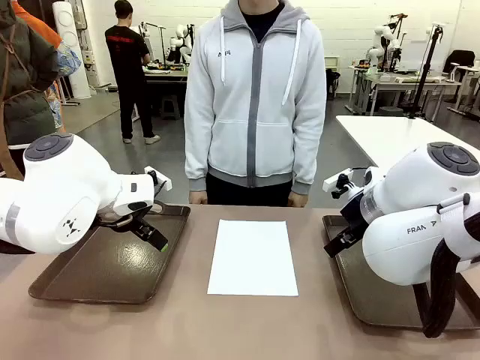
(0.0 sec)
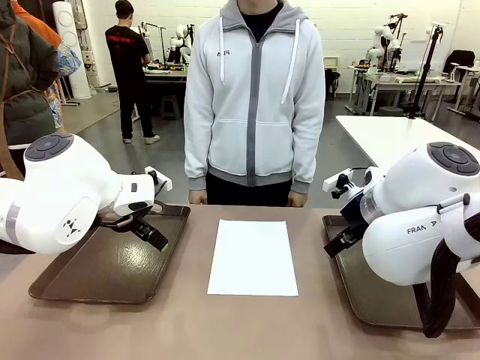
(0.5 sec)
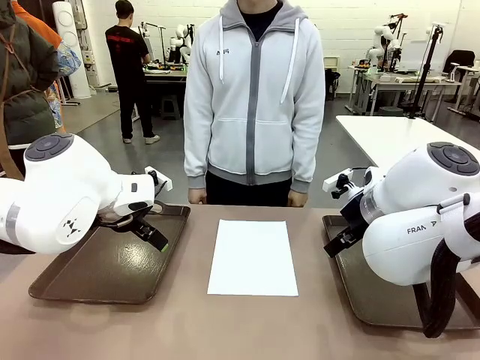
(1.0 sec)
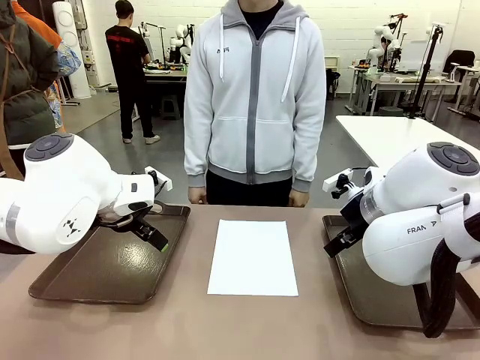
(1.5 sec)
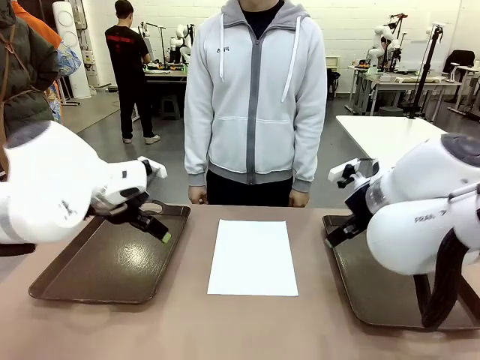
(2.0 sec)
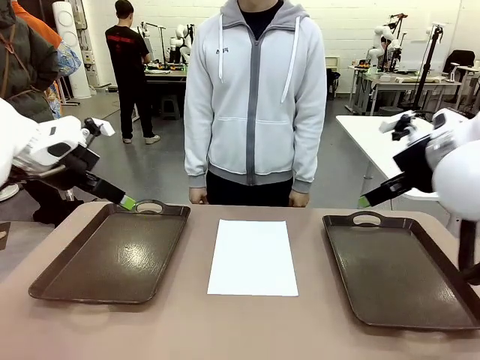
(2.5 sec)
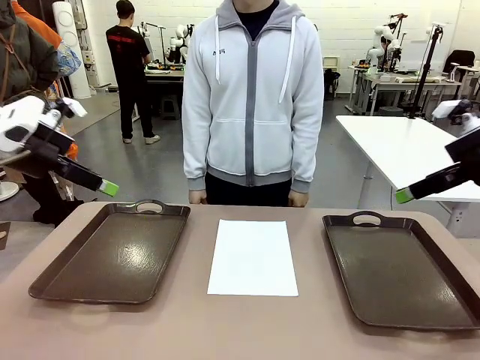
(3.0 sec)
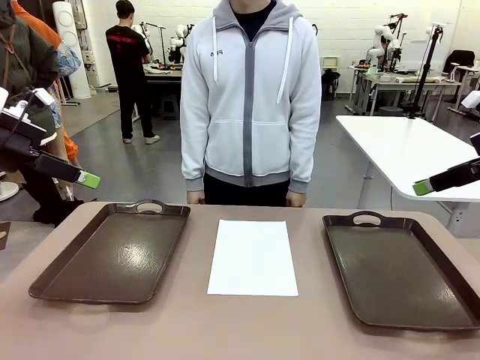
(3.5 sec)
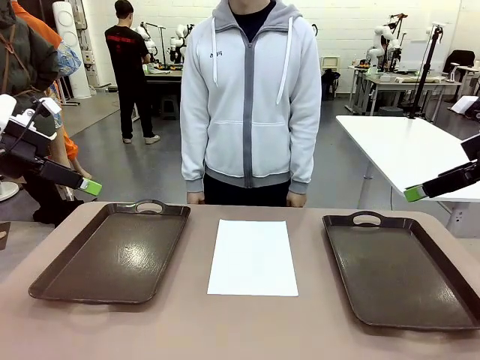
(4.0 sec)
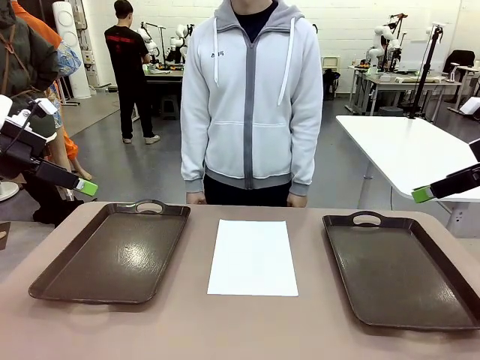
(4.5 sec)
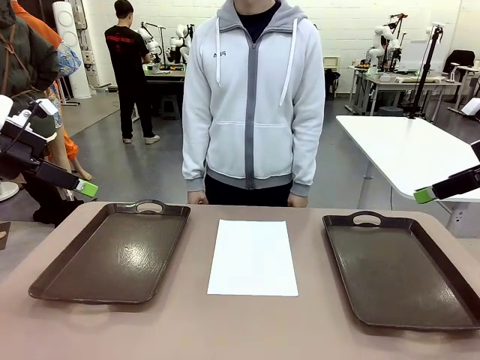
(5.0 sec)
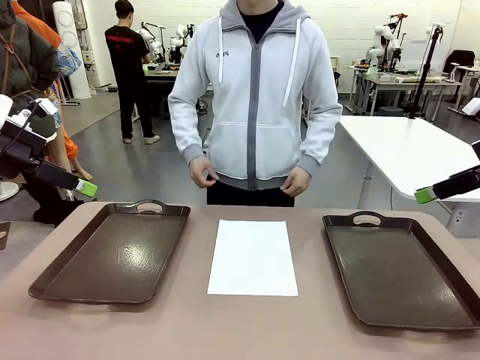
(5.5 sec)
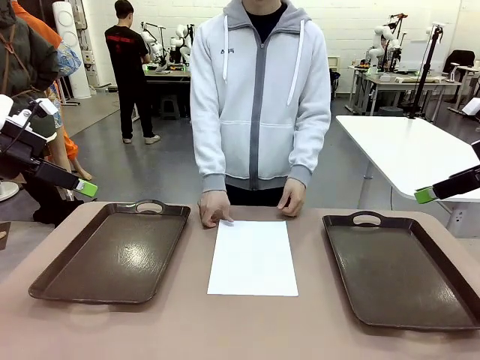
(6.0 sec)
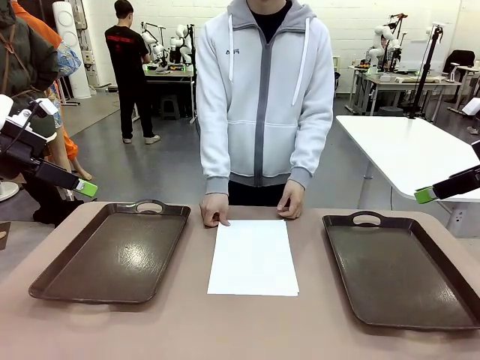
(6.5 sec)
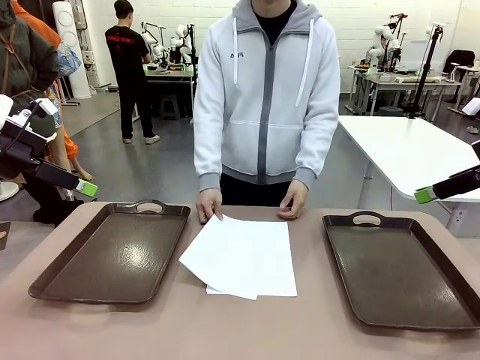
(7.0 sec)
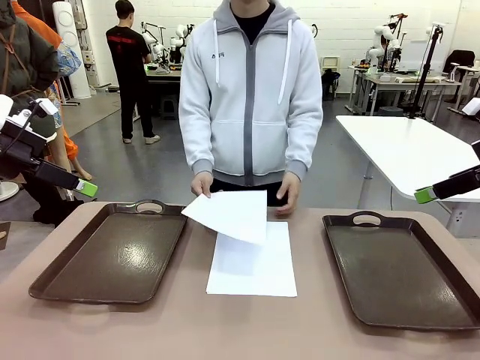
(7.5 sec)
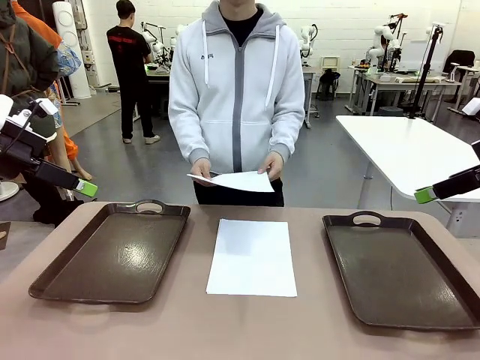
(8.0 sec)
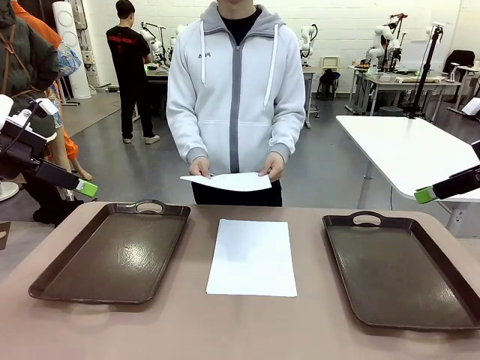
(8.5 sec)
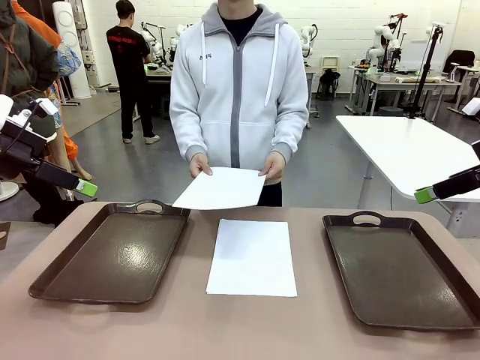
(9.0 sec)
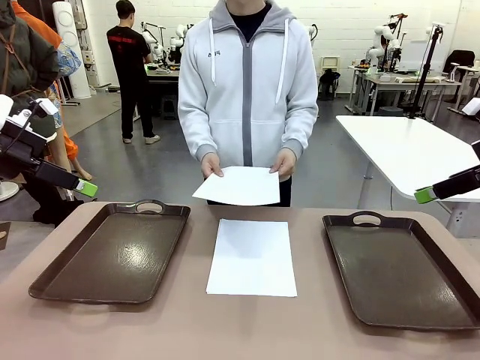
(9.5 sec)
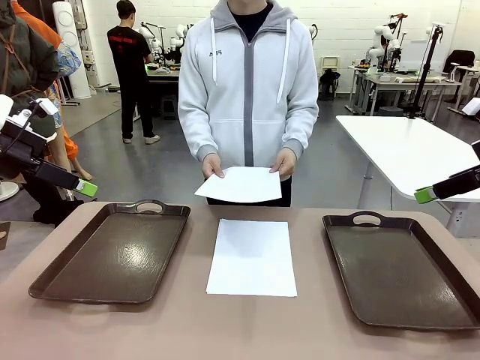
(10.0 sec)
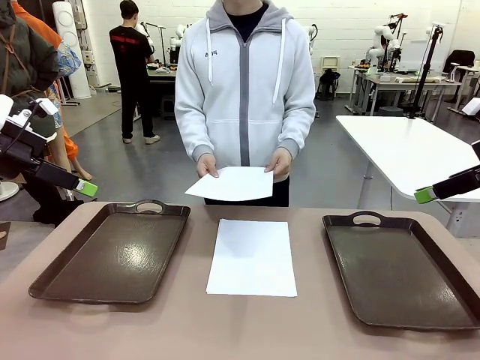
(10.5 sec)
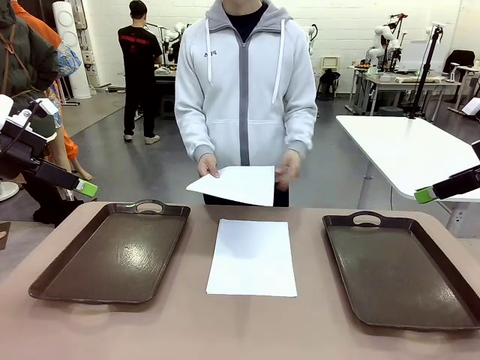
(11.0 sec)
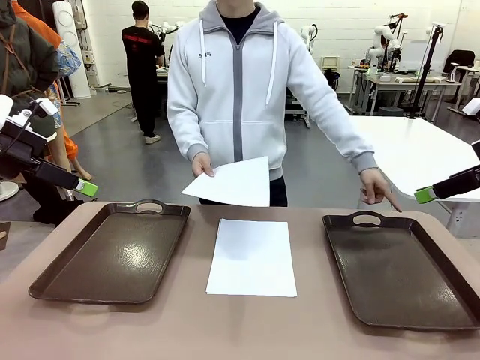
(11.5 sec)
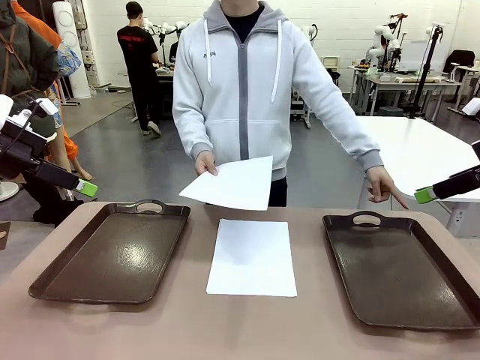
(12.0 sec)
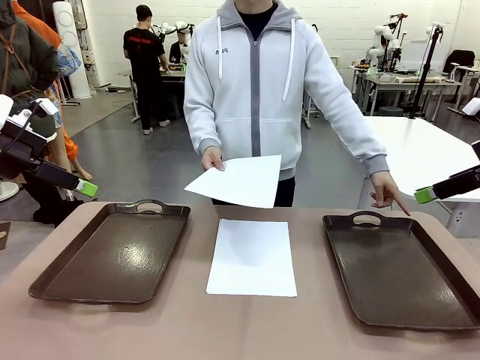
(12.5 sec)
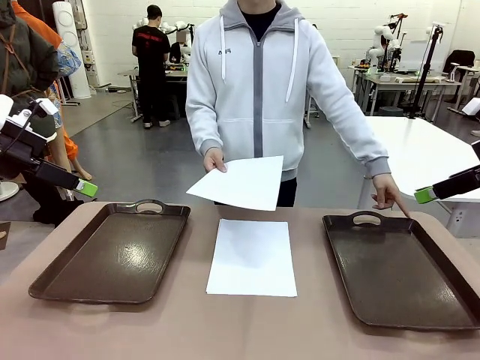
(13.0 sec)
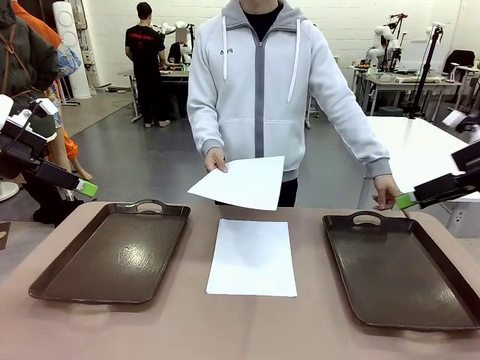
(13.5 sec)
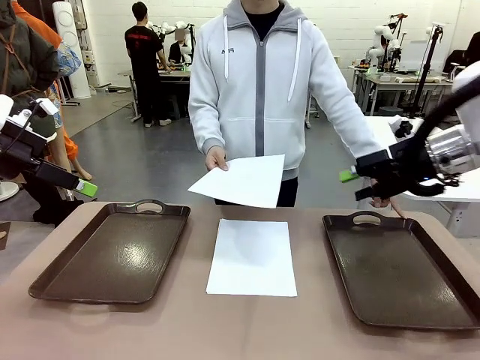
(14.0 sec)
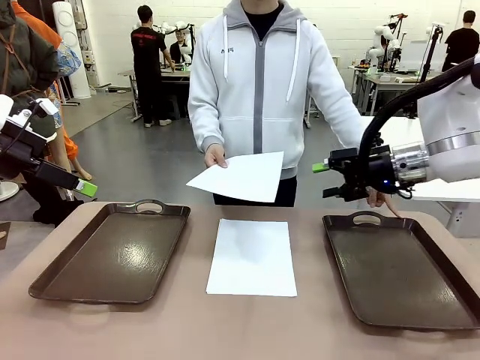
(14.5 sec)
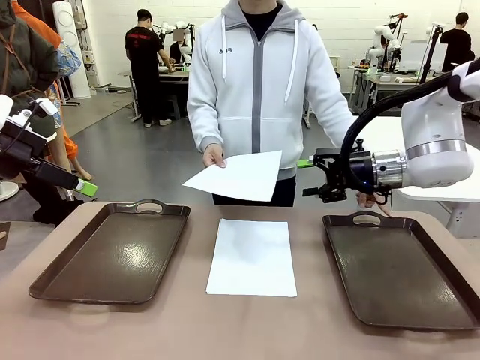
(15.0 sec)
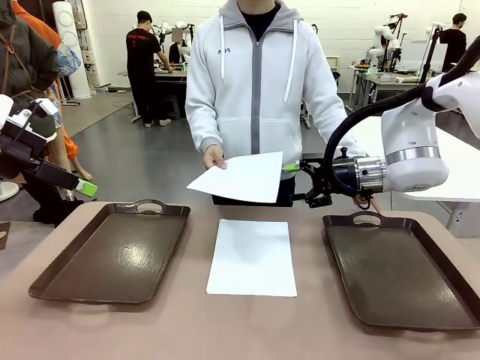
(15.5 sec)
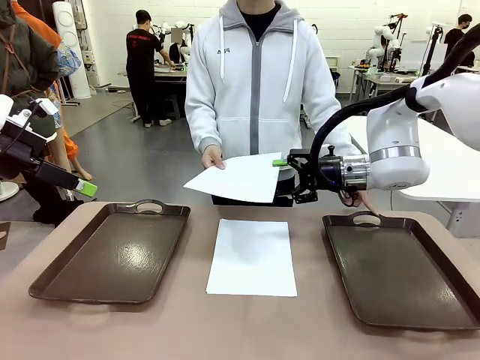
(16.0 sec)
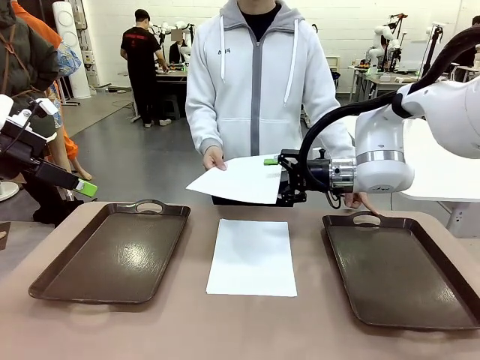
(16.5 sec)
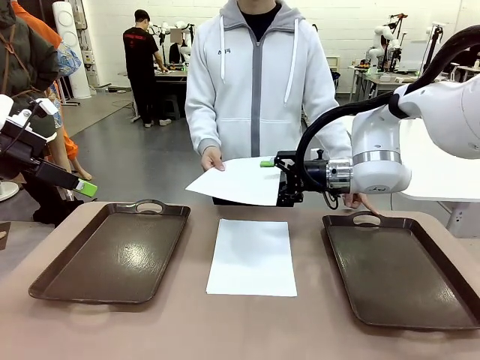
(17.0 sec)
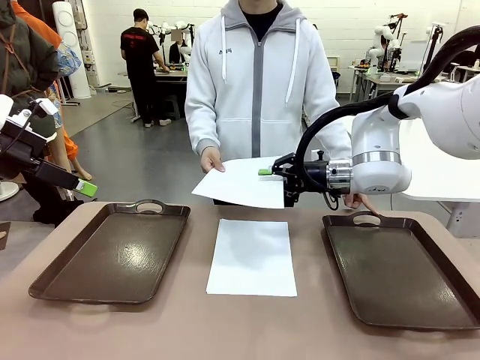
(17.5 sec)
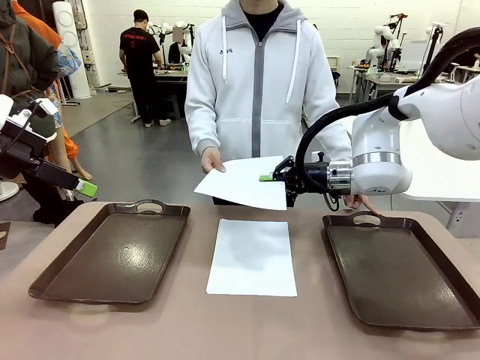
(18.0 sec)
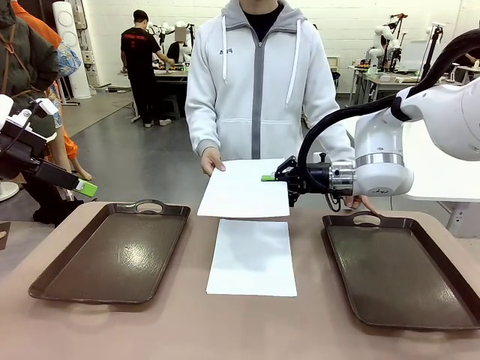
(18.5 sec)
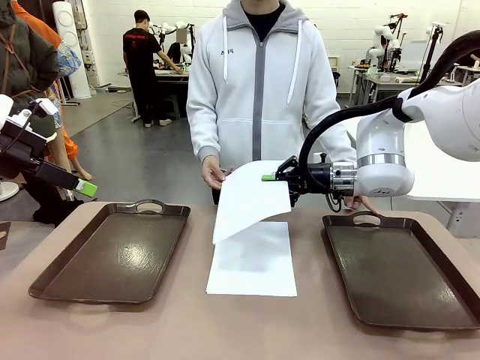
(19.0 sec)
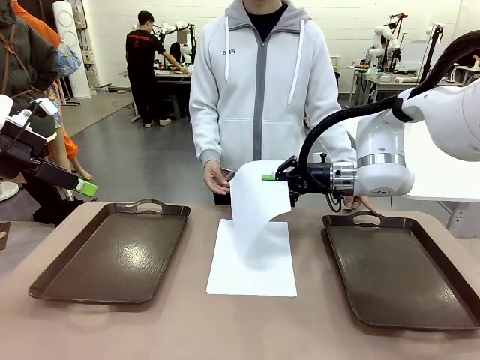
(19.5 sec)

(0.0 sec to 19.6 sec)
Task: Sort the A4 documents.
Robot: Receive the A4 Paper.
Person: Pick up a sheet of paper from the center of the table and hand it to the robot. Point the randomly selected tray with the other hand.

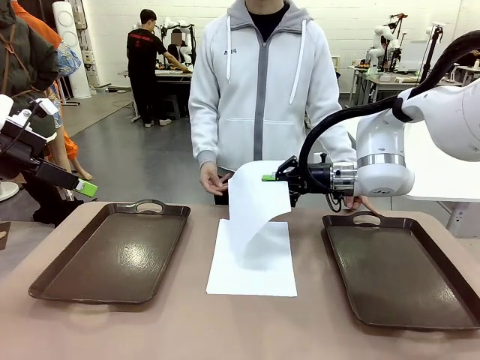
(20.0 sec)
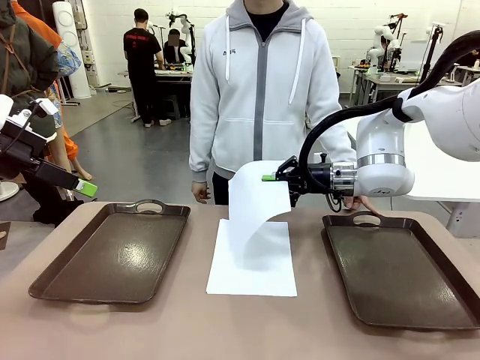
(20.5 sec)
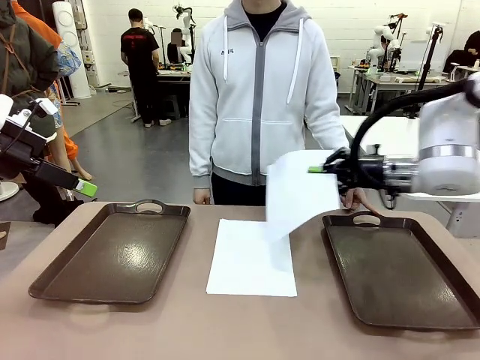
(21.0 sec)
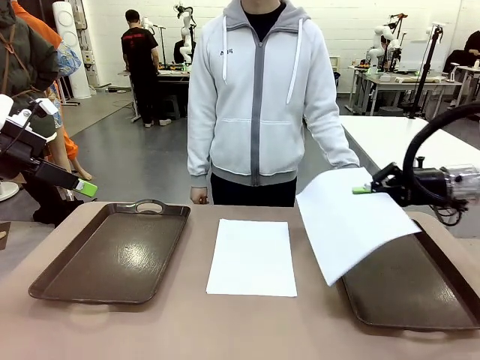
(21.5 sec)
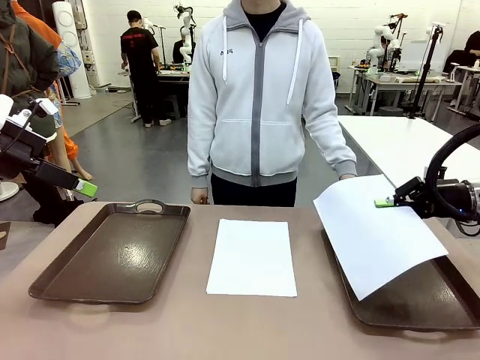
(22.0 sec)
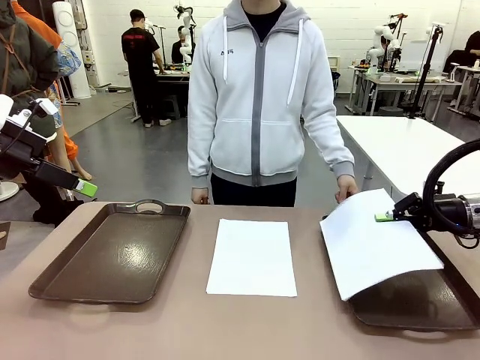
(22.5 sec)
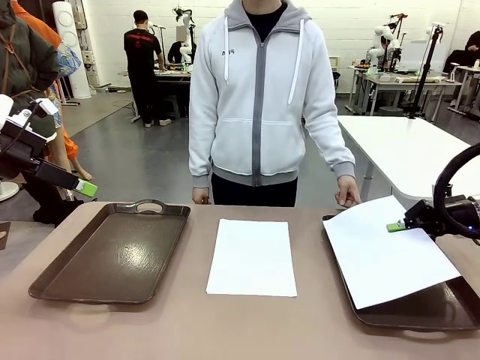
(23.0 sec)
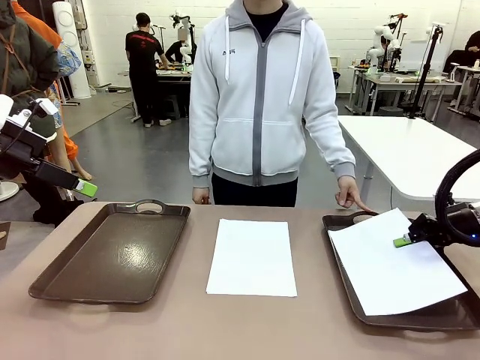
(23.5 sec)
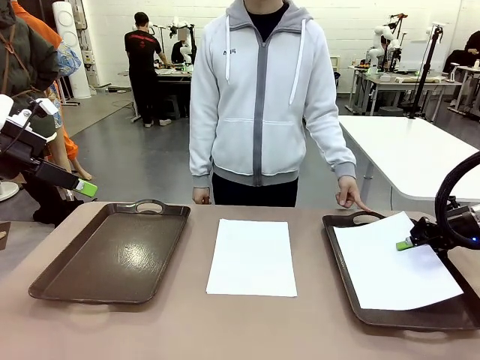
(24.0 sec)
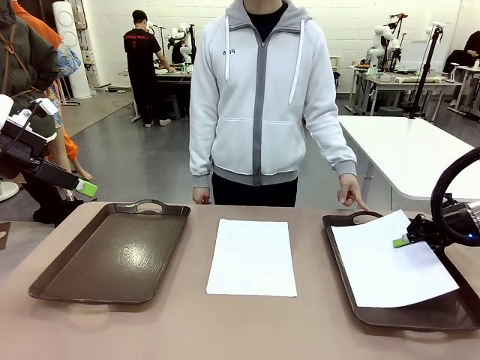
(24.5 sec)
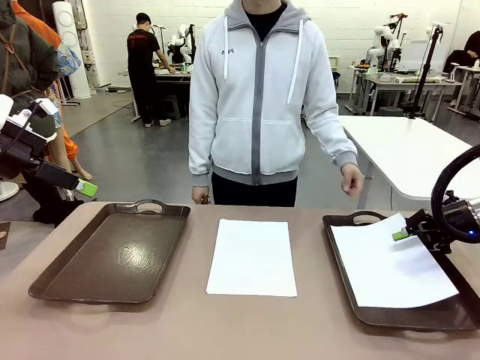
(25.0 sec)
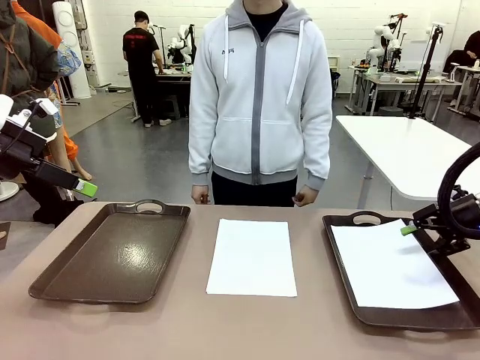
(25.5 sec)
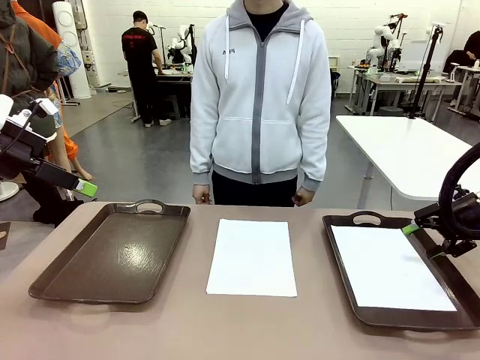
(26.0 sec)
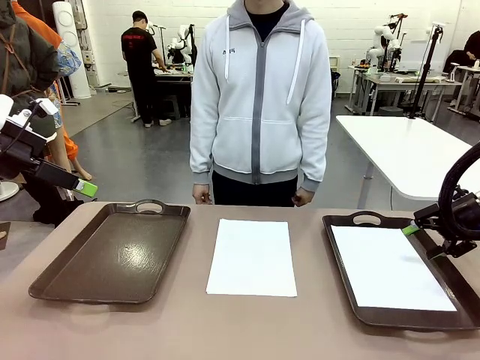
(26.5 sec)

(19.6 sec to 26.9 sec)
Robot: Place the A4 Paper in the designated Handle tray.
